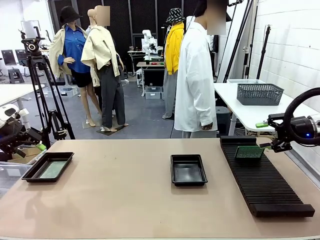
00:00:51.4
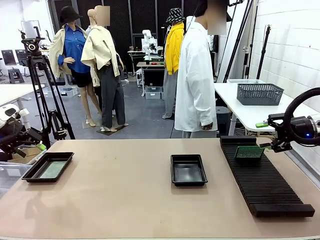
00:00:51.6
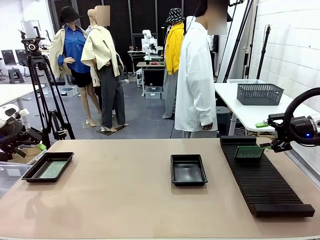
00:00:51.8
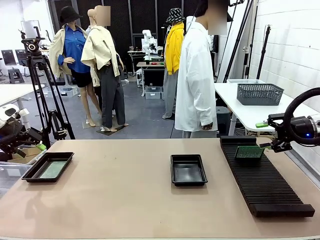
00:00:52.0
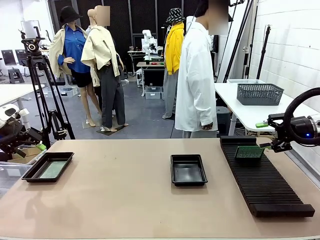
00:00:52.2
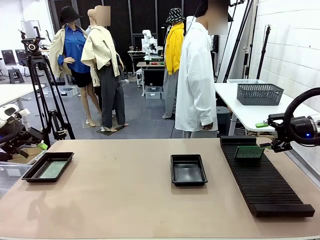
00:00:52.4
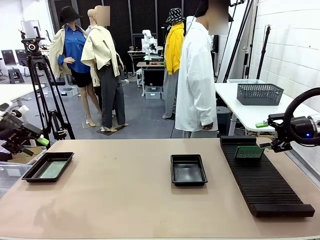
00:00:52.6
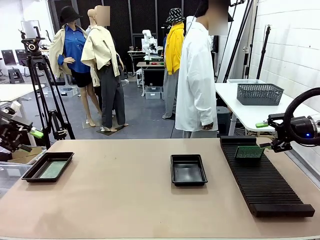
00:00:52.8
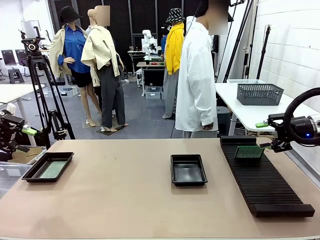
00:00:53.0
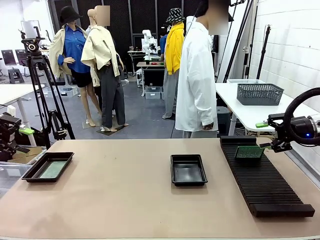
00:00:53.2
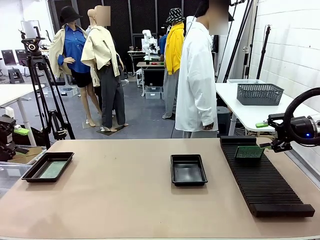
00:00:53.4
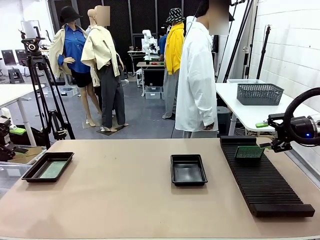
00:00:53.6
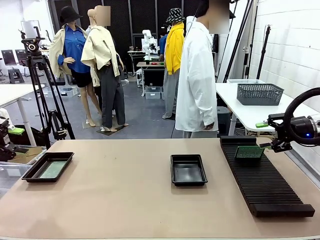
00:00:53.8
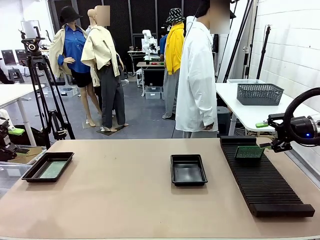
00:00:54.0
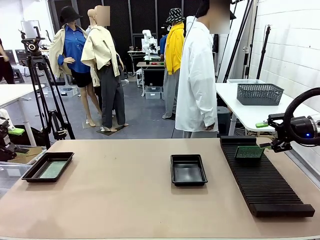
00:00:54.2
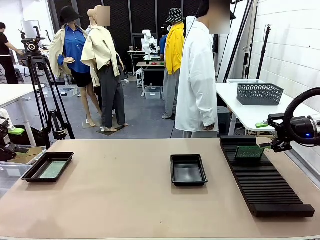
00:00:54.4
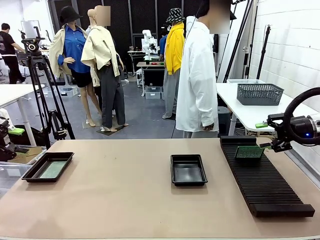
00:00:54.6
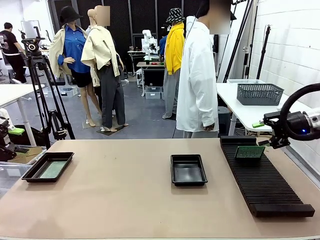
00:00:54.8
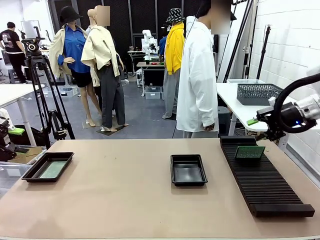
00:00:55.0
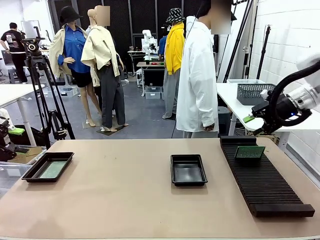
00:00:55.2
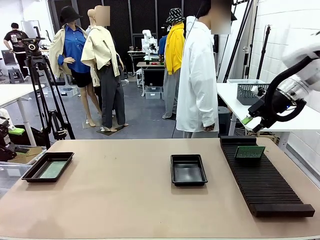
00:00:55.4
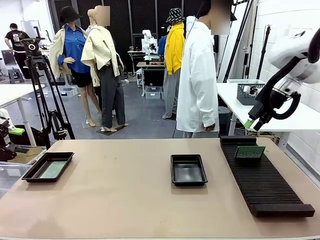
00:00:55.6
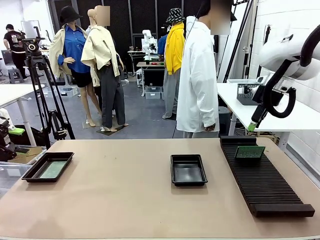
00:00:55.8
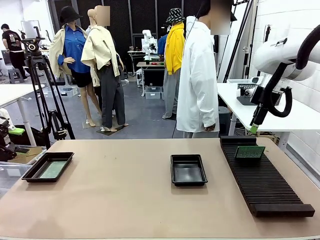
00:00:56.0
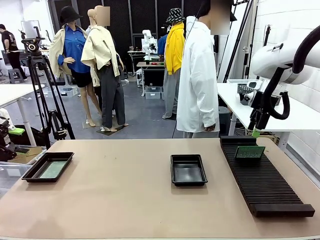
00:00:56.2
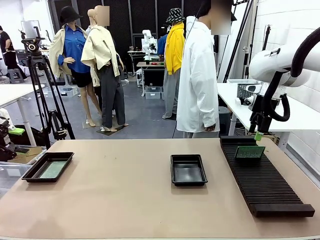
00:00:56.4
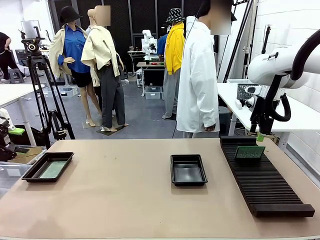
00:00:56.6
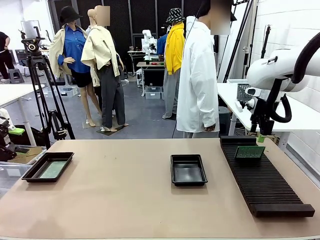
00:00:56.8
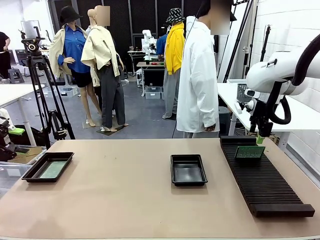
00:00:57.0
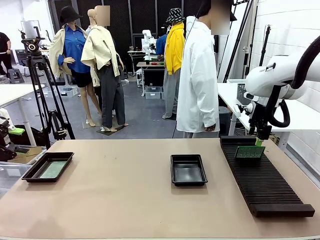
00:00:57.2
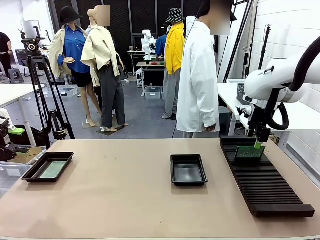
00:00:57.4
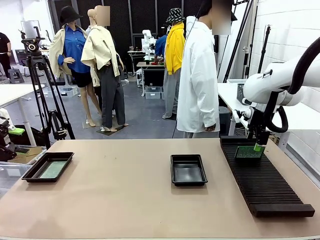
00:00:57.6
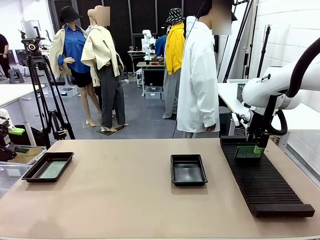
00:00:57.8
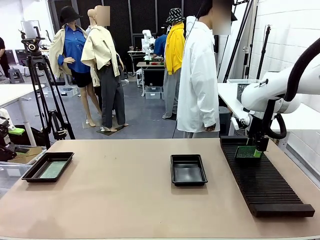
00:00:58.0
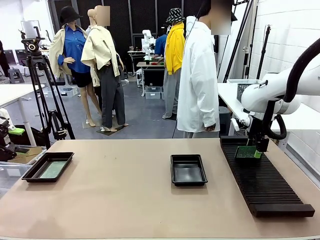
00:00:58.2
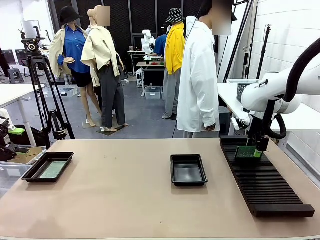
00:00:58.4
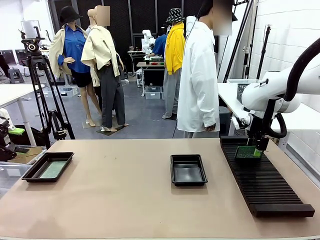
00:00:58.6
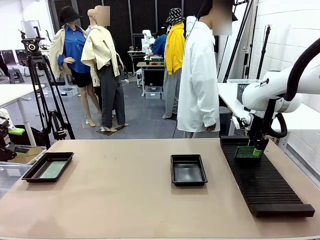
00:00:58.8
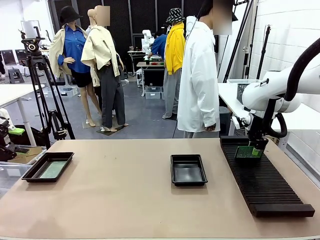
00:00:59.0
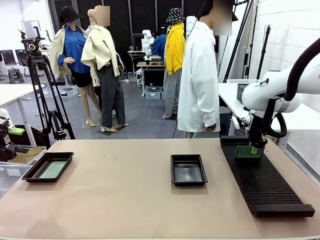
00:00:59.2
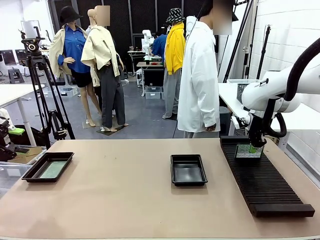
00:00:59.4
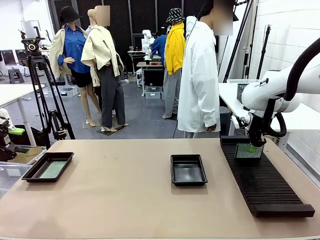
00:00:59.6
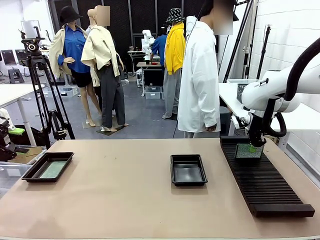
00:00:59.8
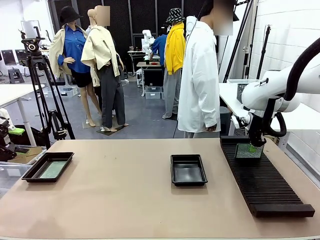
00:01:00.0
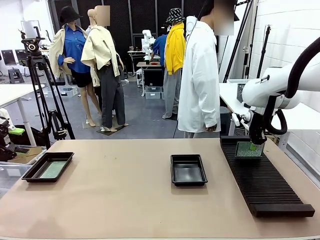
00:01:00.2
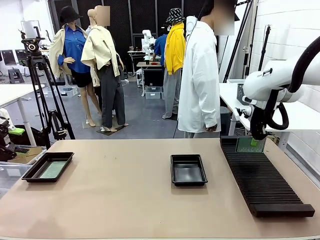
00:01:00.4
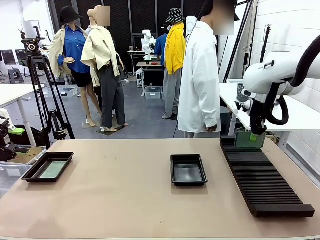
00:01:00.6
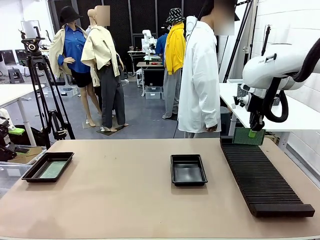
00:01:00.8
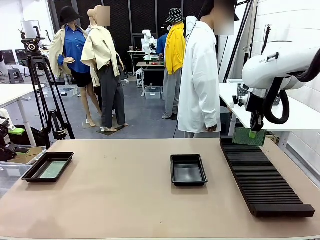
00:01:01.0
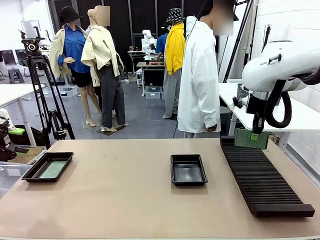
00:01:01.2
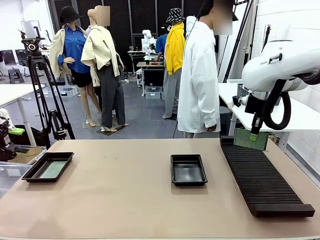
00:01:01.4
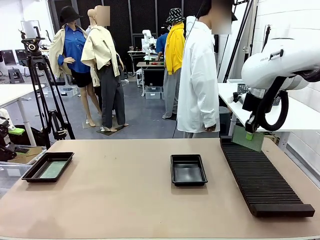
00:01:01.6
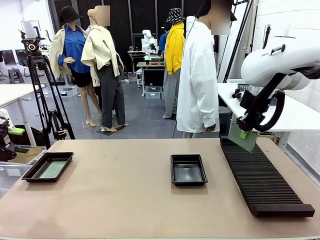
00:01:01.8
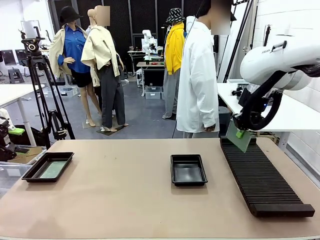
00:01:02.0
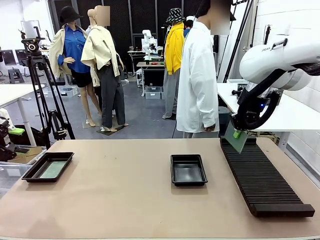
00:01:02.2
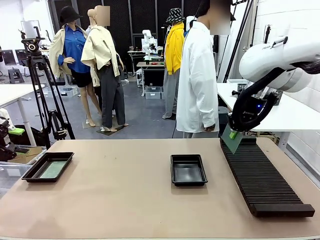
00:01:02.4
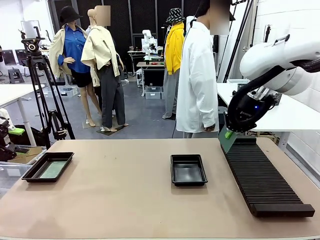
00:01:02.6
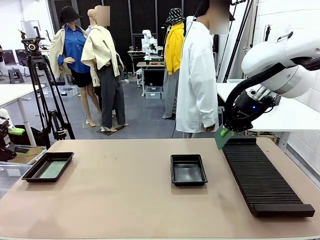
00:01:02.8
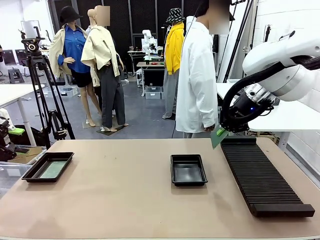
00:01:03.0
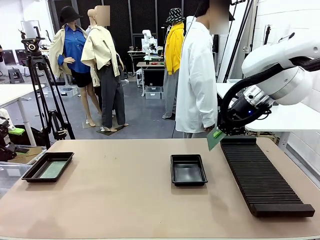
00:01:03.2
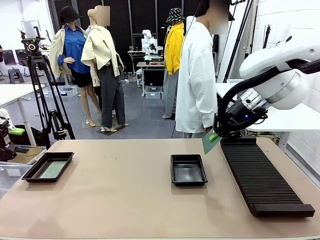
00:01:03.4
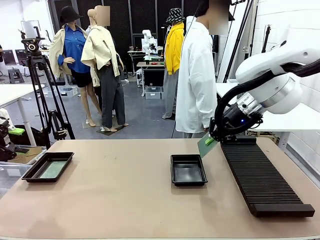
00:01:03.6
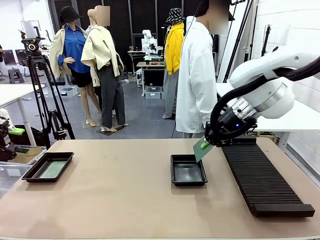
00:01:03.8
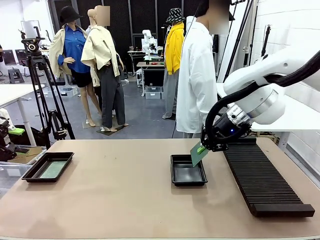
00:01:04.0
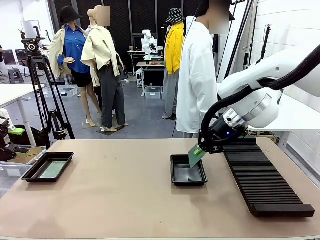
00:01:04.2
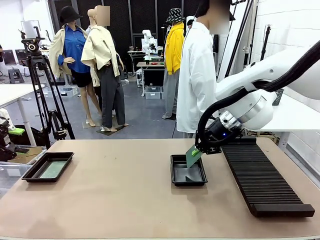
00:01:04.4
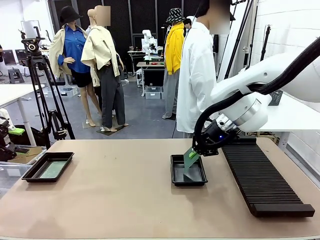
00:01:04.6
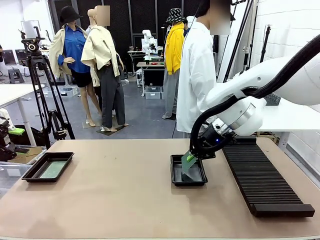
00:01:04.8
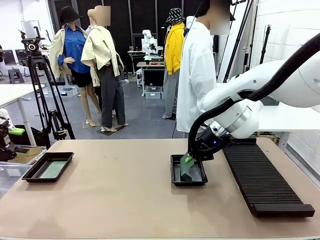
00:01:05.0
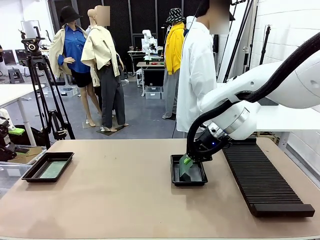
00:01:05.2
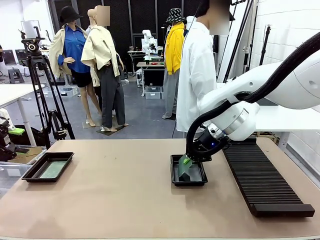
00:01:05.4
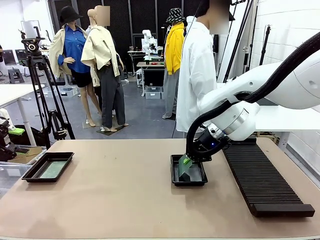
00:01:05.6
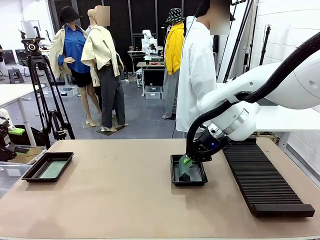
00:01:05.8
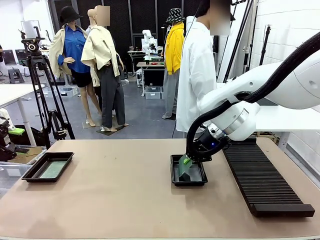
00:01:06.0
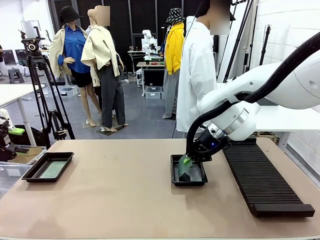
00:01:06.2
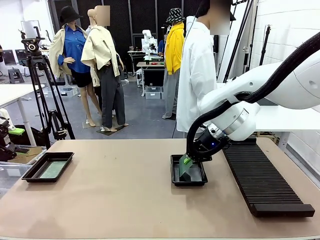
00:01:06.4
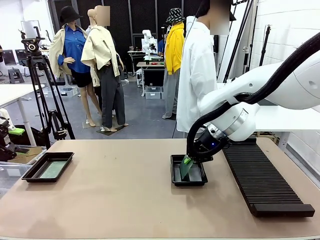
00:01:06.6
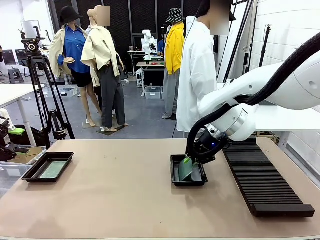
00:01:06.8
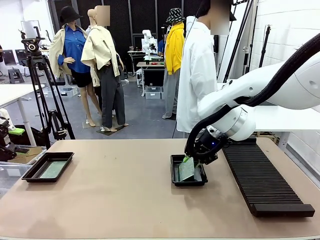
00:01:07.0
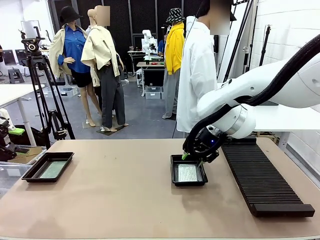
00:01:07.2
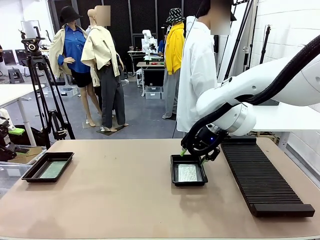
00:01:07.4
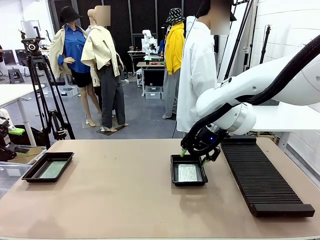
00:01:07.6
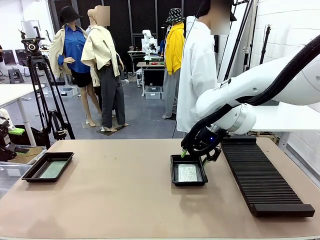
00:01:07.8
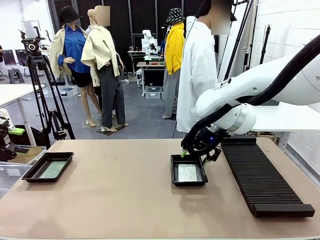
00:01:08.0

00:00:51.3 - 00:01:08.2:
Task: Inspect and transfer BCBs to ESD trays.
Robot: Pick up the Blank PCB from the PCB Rack and place it in the right ESD tray.
